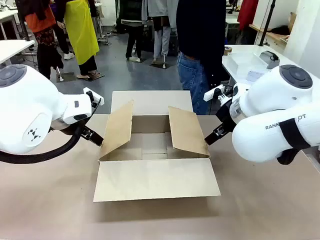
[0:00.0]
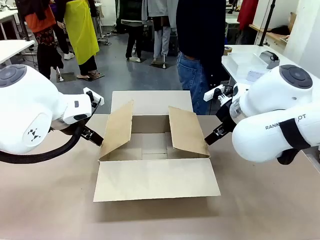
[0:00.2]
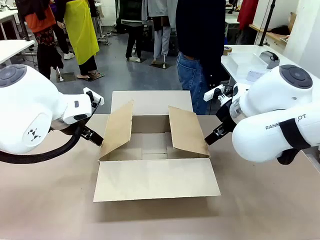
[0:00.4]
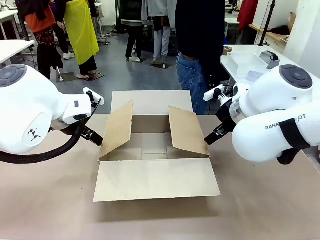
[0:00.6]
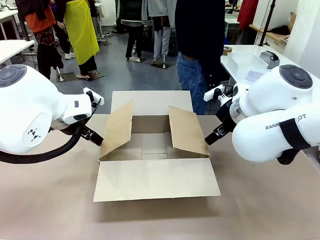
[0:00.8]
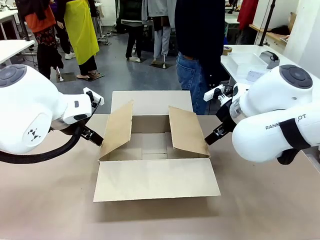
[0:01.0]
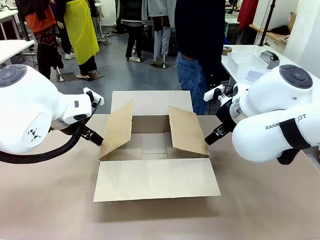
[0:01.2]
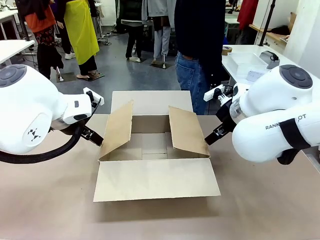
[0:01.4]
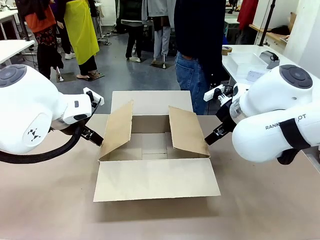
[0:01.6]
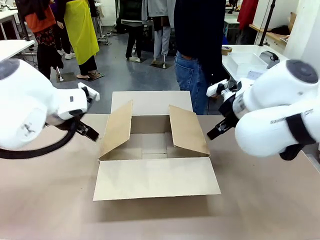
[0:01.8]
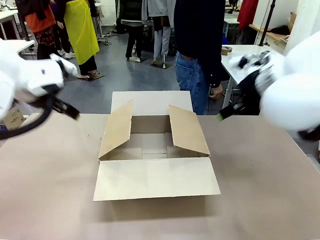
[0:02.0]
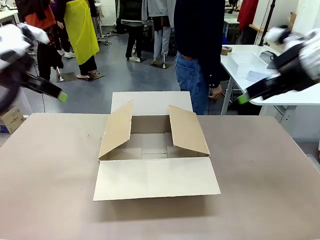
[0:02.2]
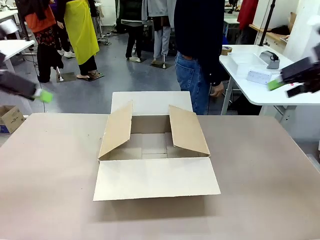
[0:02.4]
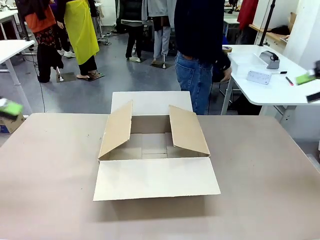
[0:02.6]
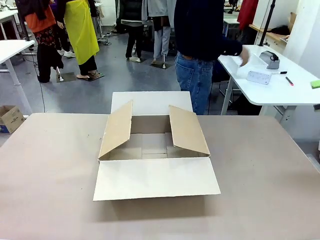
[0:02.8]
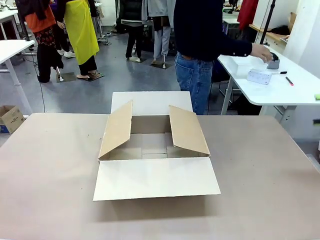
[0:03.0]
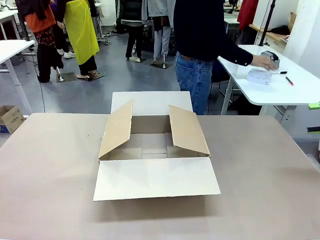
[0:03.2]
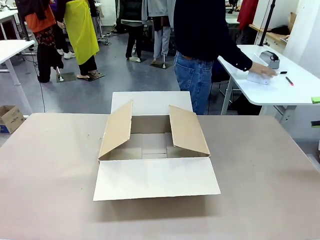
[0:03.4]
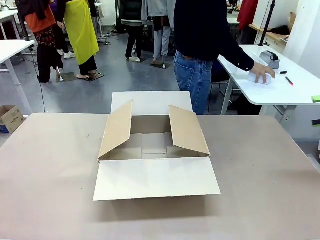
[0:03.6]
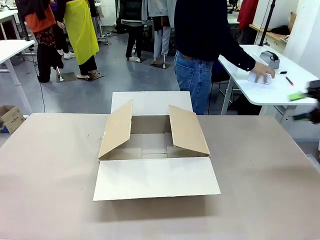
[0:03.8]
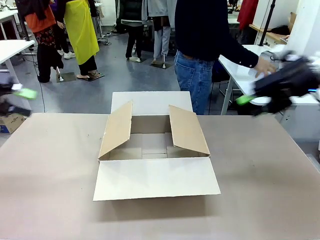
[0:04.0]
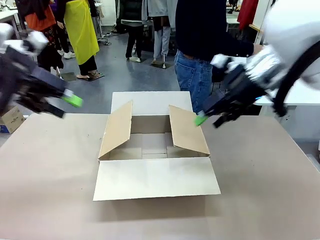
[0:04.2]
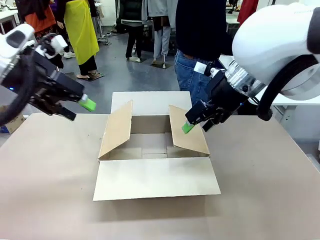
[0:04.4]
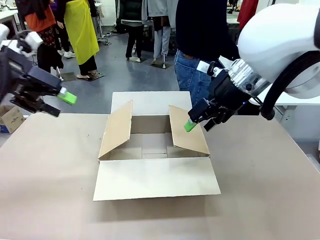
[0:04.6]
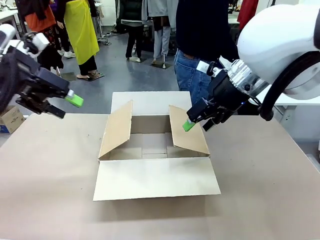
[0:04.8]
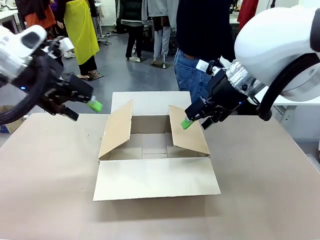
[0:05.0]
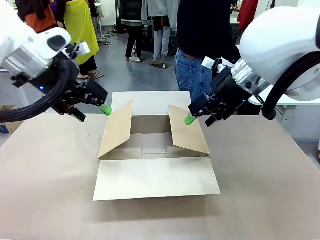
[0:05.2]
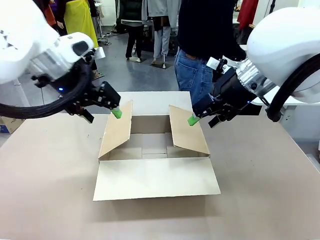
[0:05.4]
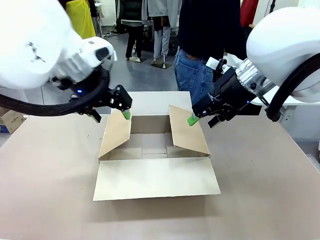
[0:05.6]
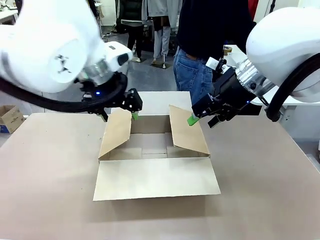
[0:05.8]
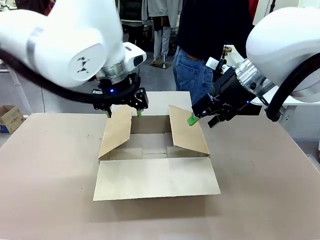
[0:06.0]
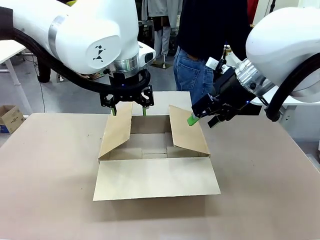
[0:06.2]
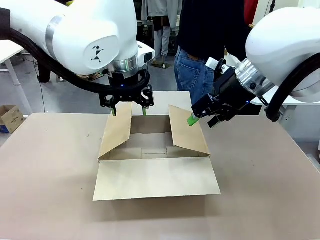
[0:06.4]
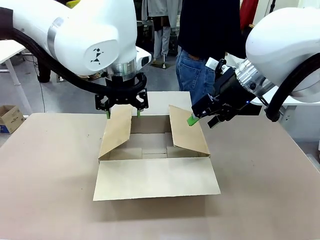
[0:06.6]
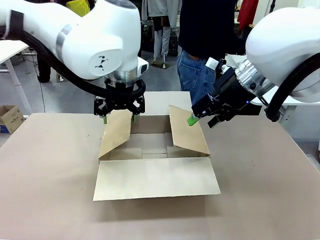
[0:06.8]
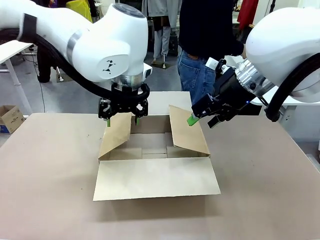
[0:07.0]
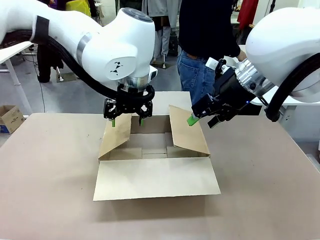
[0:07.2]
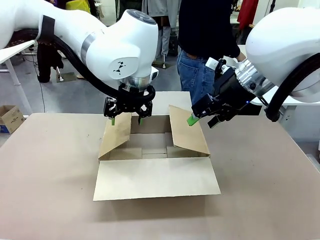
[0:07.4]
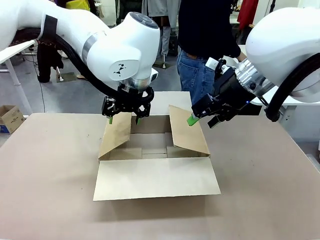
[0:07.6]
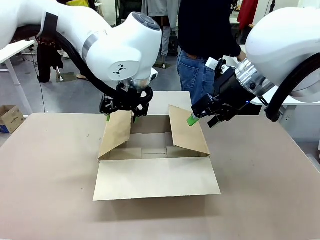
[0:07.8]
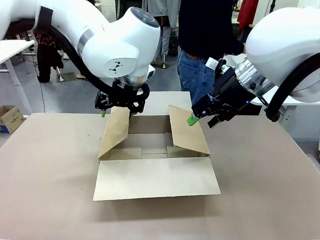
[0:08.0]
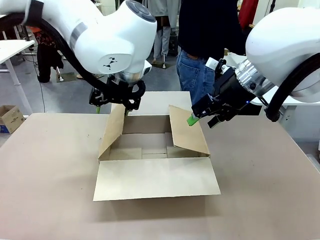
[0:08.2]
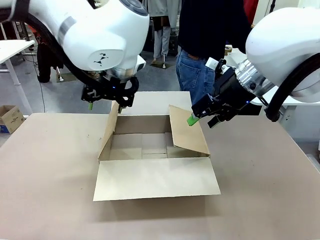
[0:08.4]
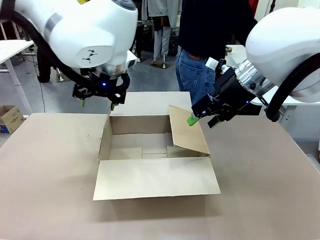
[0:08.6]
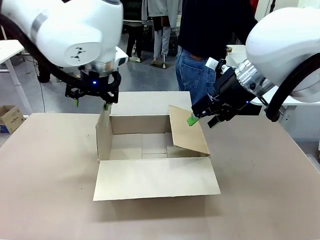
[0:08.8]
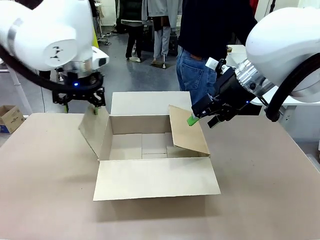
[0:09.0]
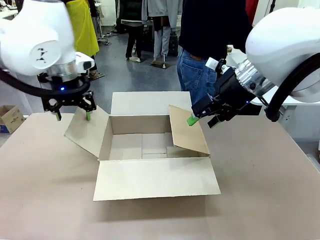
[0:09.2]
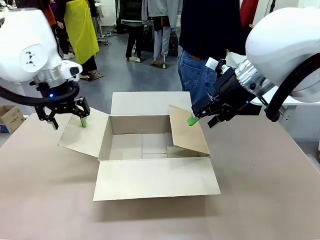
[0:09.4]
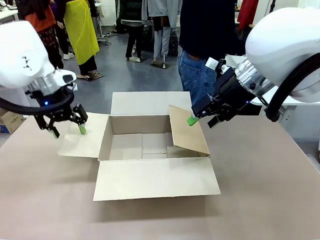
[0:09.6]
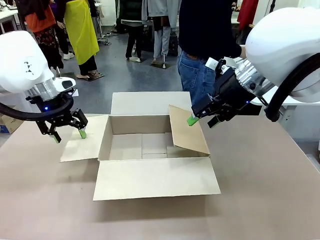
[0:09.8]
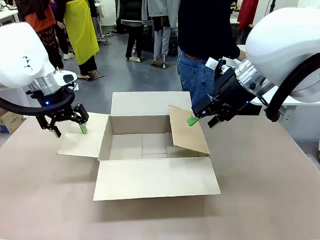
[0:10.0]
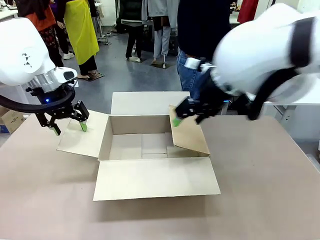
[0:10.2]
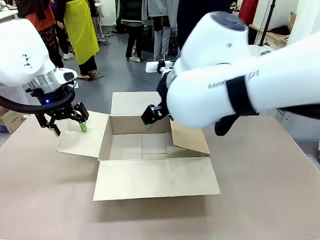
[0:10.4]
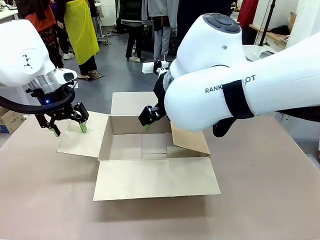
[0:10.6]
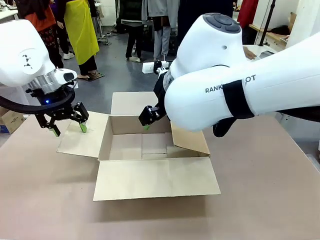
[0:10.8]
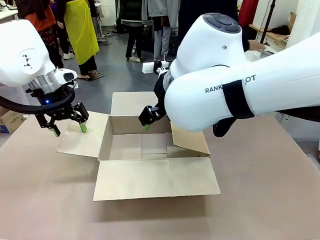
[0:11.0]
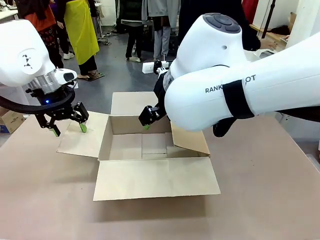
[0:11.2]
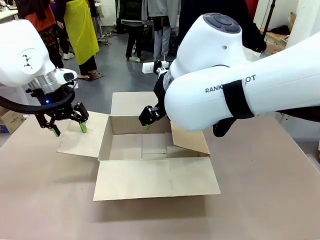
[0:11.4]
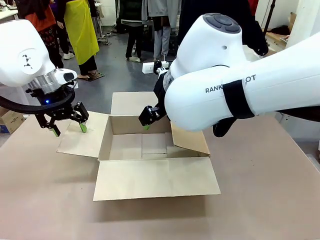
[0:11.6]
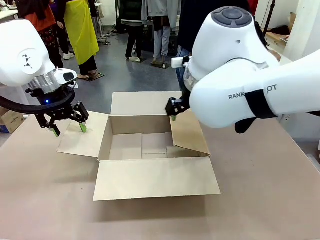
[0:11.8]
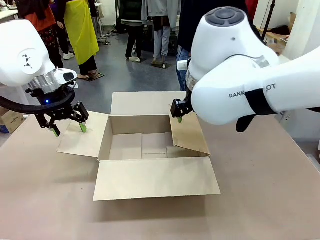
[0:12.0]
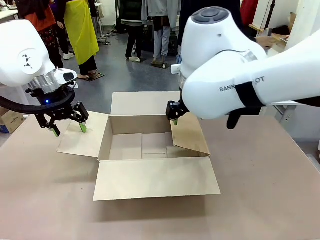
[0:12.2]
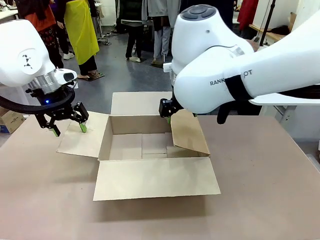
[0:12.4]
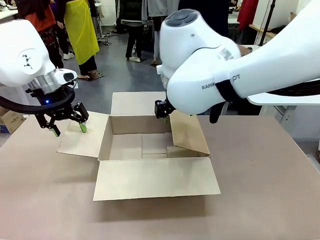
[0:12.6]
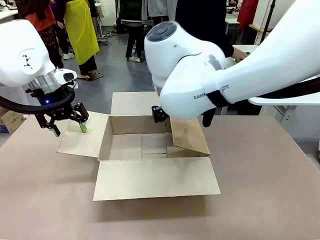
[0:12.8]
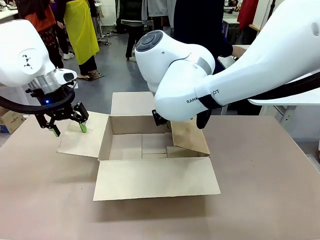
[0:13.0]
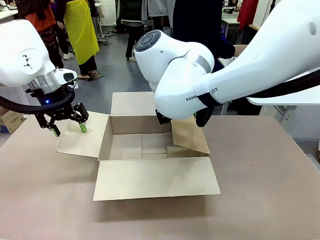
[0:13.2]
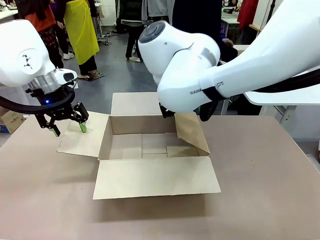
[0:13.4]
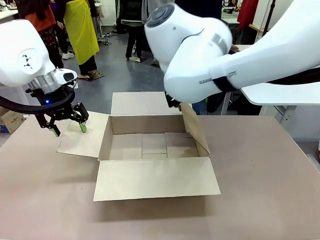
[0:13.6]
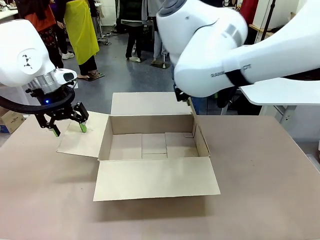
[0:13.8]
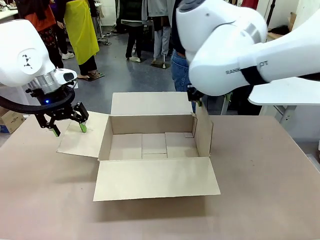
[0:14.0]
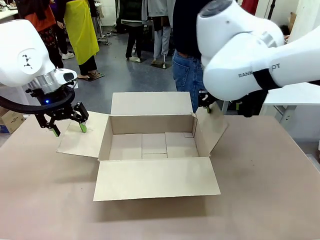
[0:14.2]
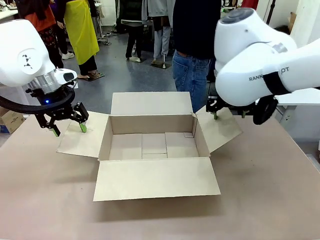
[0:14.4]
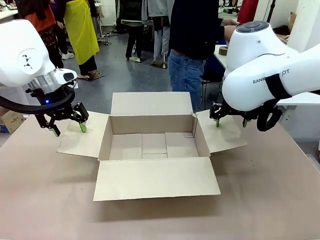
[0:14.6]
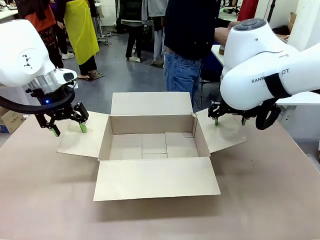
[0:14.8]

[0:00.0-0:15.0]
Task: Pack the gift set into the box.
Robot: Place both hands on the side flaps of the Package Box and spread them outward.
Person: The human places all items except the paper tape into the organizing basket.

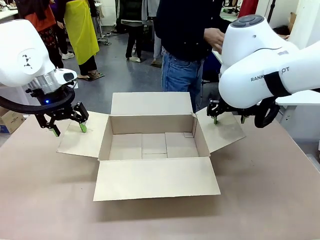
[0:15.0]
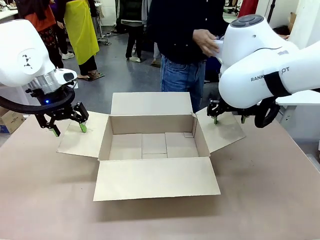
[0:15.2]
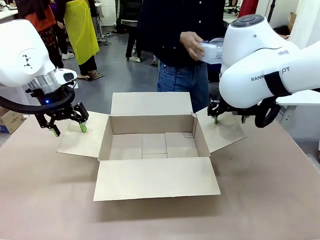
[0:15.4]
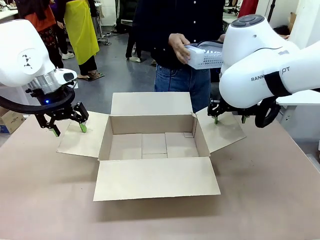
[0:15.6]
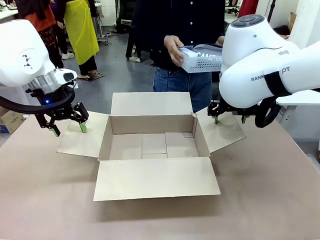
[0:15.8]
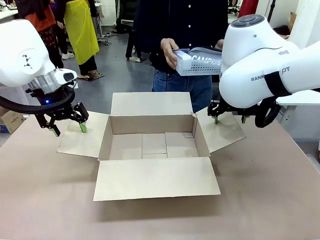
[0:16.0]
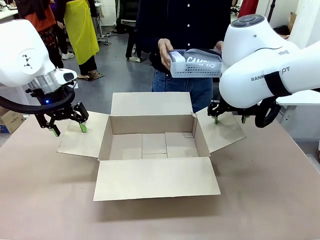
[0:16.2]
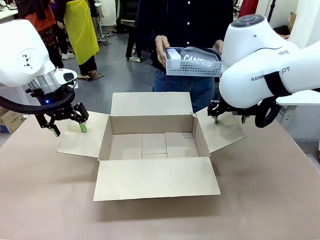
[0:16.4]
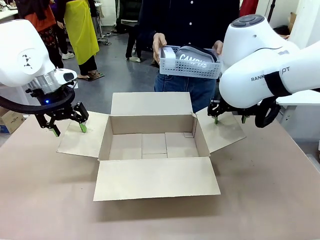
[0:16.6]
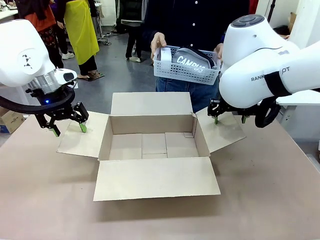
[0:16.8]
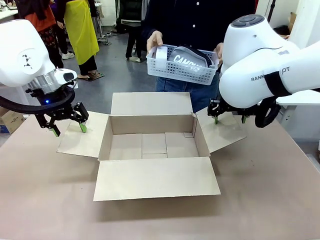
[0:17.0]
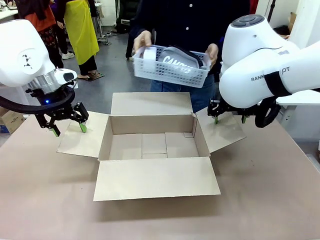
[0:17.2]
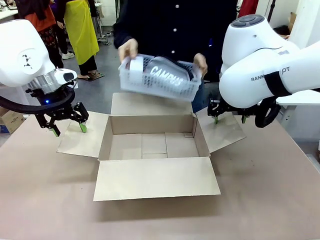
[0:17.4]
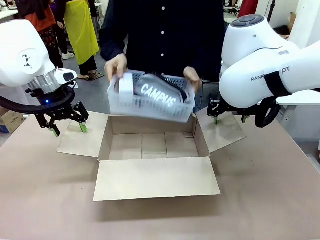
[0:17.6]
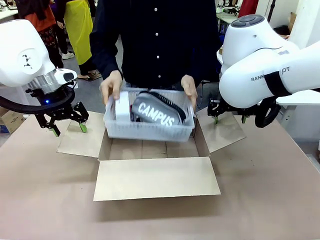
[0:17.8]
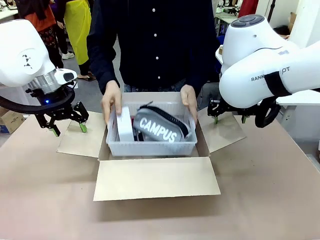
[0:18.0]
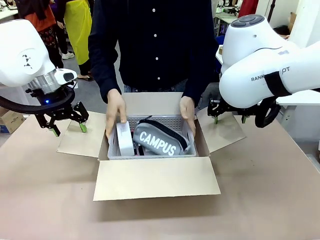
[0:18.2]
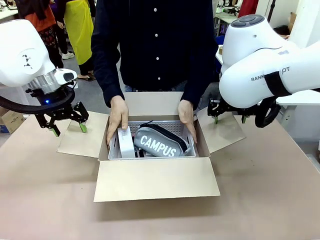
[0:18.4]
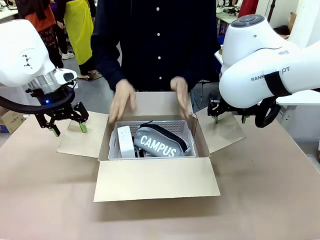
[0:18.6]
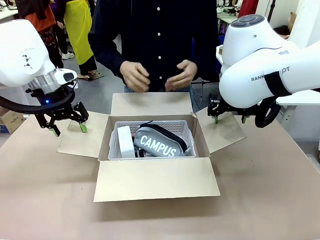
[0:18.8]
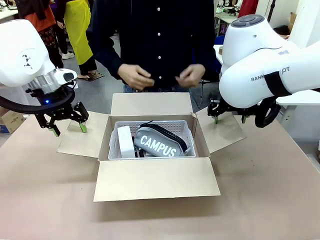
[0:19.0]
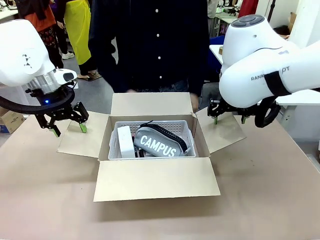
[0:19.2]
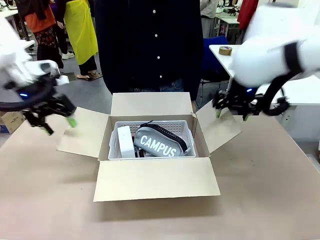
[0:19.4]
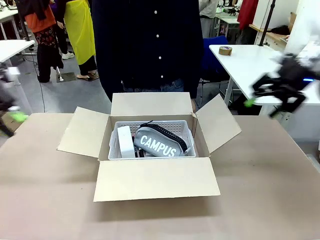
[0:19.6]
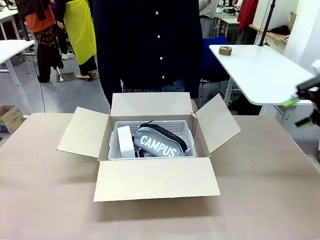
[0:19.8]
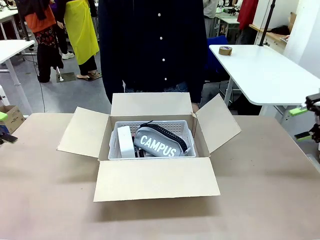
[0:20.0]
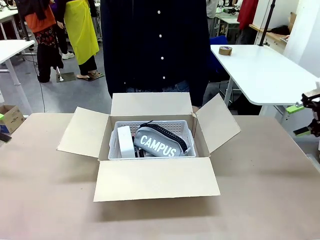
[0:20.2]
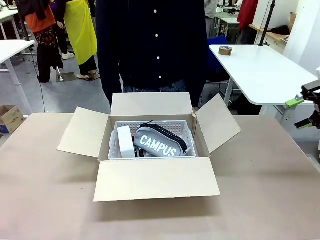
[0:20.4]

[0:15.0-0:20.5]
Robot: Lift both hands away from the flaps of the Package Box.
Person: The human picks up the organizing basket and places the organizing basket into the package box on the robot table.
